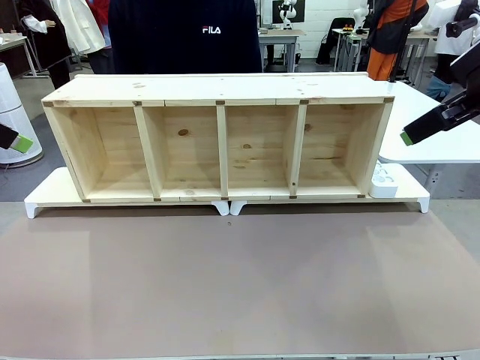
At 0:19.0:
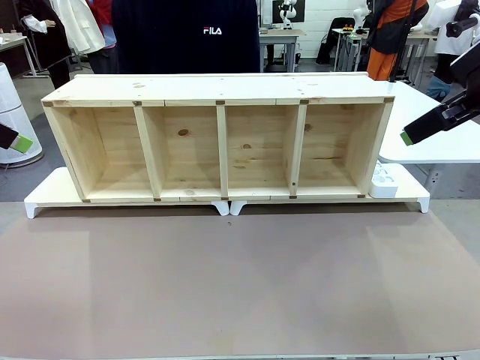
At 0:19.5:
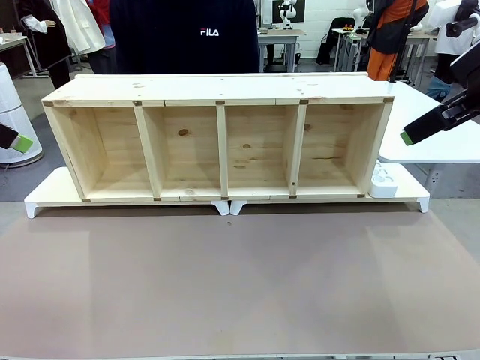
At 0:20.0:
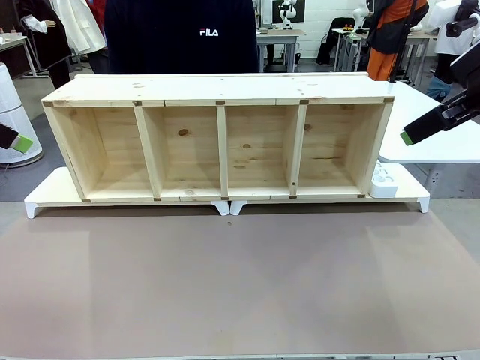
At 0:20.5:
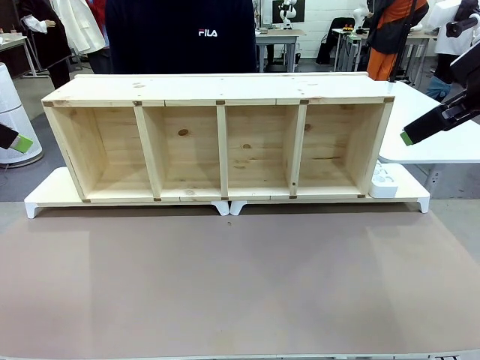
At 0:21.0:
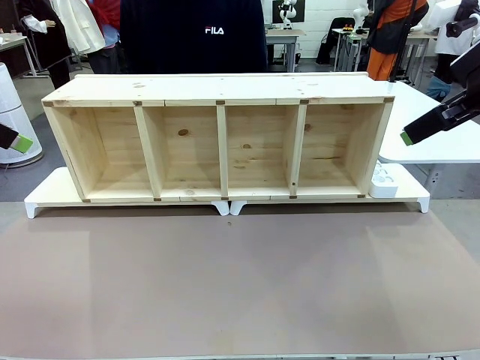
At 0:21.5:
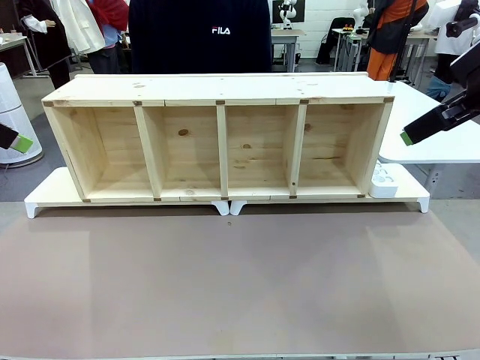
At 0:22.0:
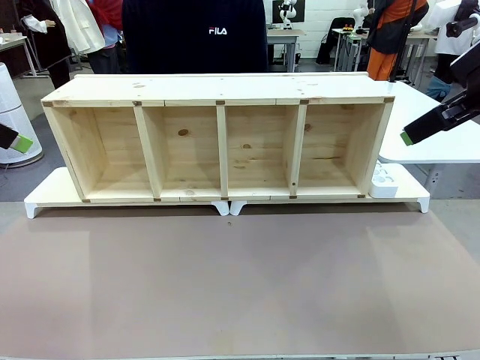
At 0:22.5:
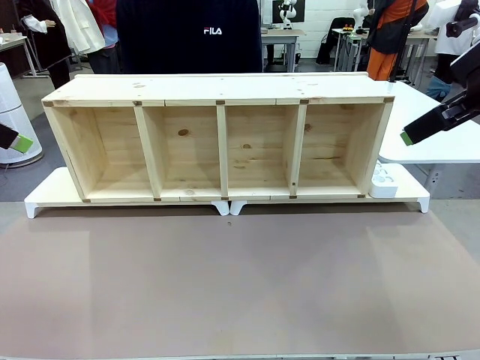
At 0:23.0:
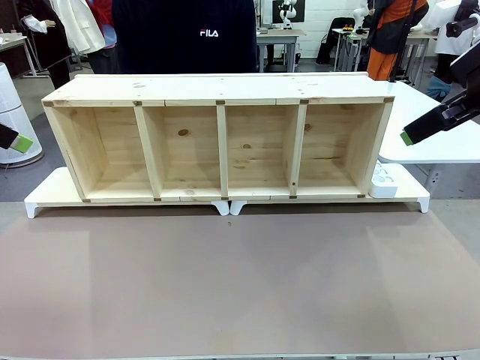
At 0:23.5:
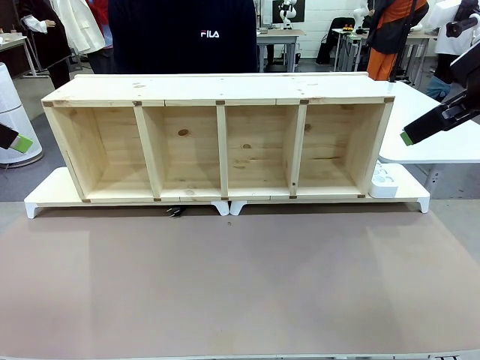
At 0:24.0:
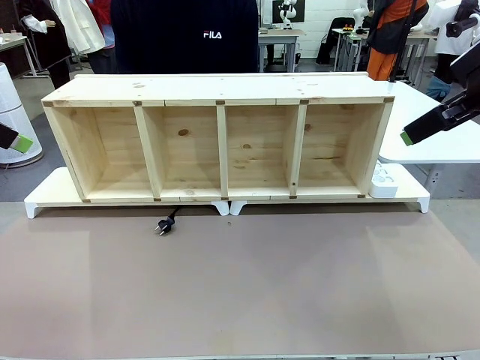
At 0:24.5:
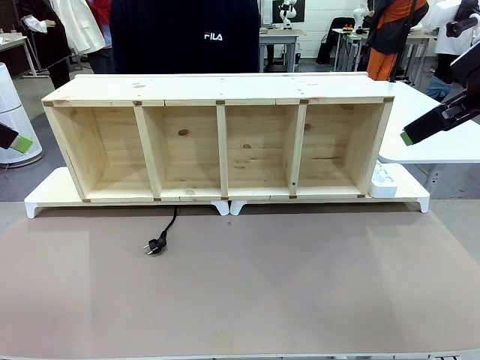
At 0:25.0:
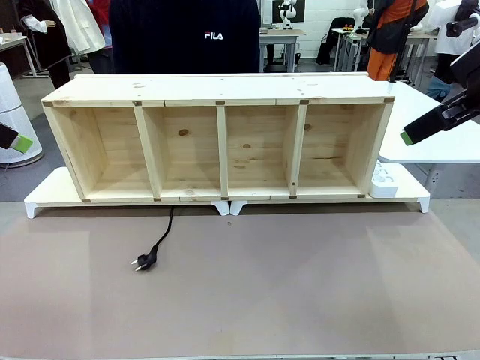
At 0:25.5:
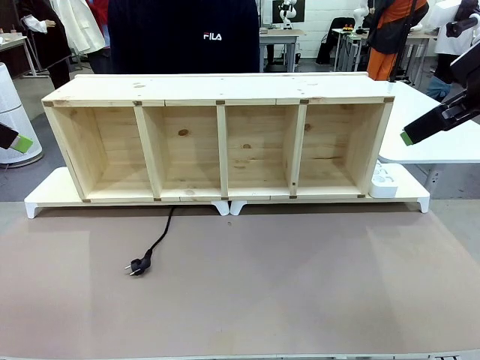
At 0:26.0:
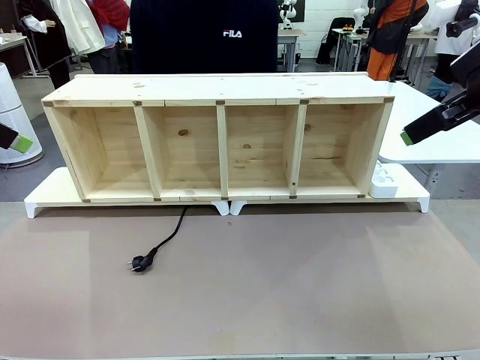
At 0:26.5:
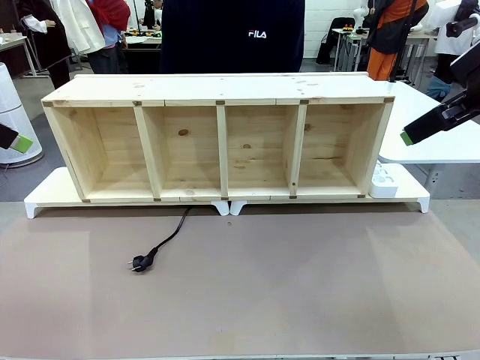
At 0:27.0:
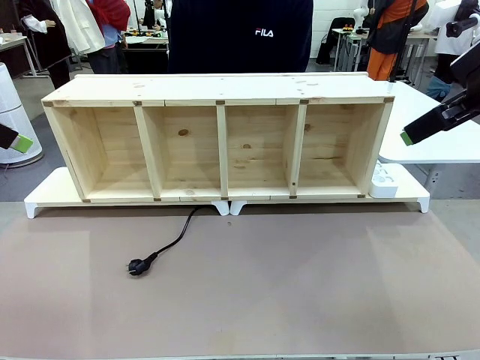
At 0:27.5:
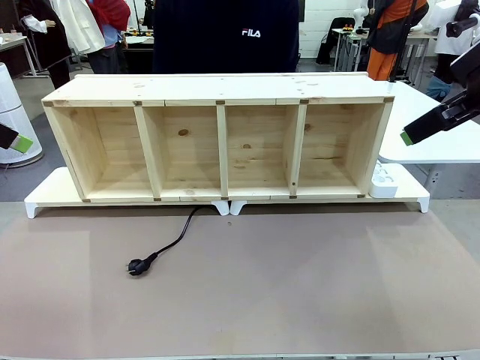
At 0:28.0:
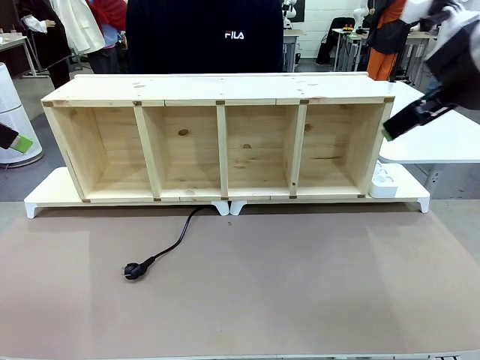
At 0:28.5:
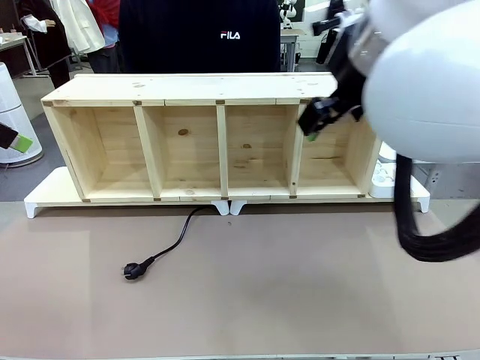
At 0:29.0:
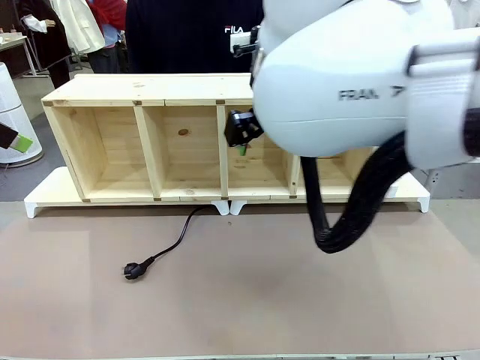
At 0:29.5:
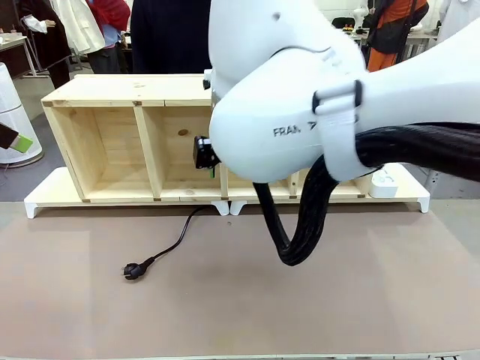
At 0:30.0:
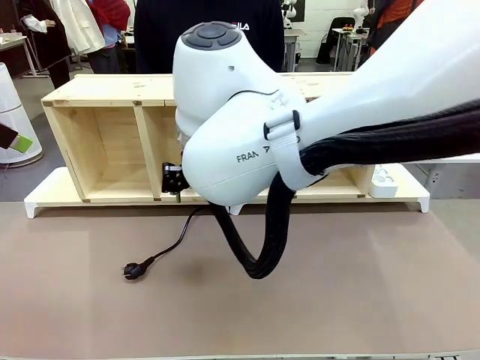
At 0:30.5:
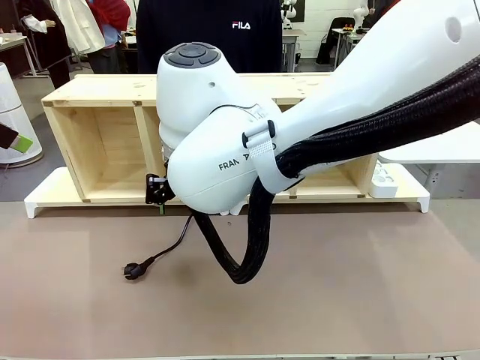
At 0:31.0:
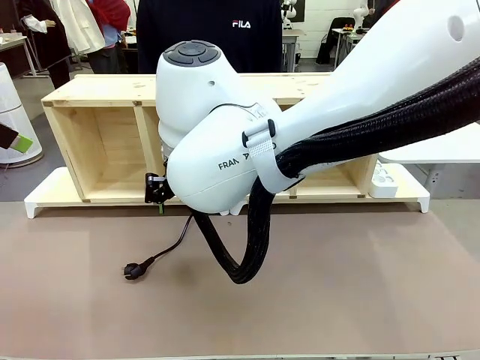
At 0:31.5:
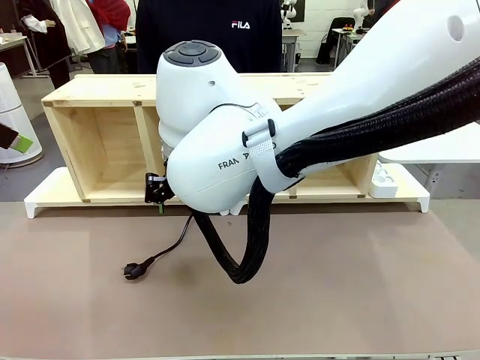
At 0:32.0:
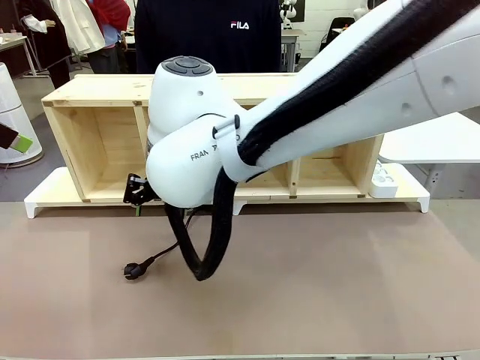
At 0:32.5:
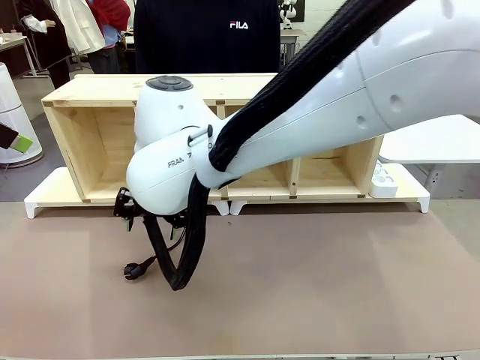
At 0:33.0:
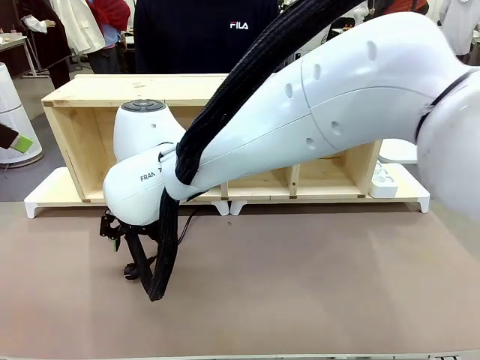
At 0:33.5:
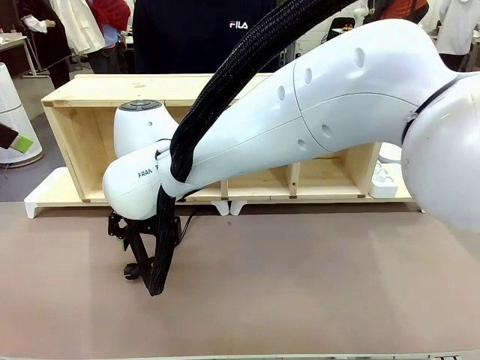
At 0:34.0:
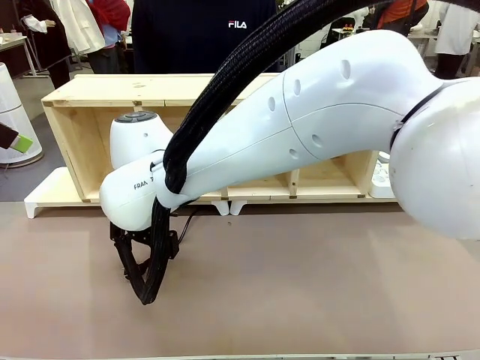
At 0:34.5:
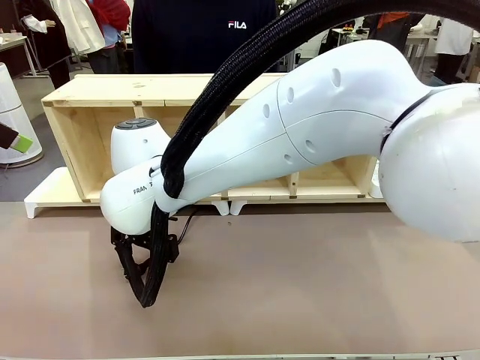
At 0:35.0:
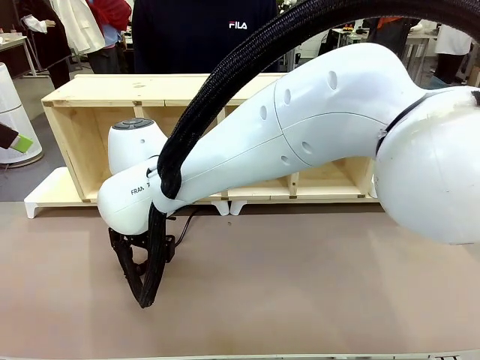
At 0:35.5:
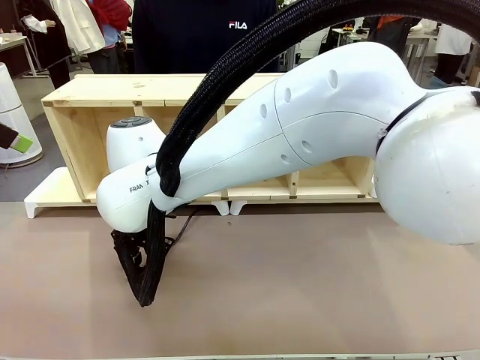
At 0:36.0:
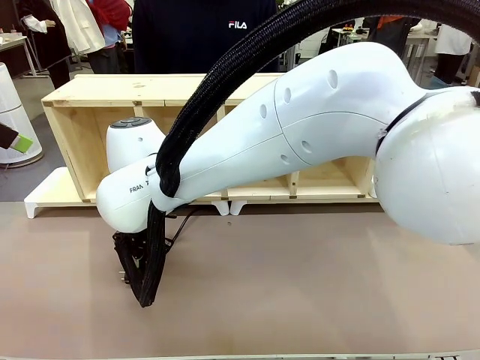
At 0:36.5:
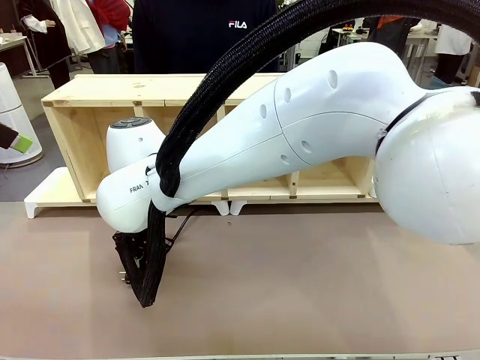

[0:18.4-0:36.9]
Task: Perform cable management.
Robot: When the cord part of the Power Cable appears at the lower middle area of the table and stops, grasp the cord part of the Power Cable.

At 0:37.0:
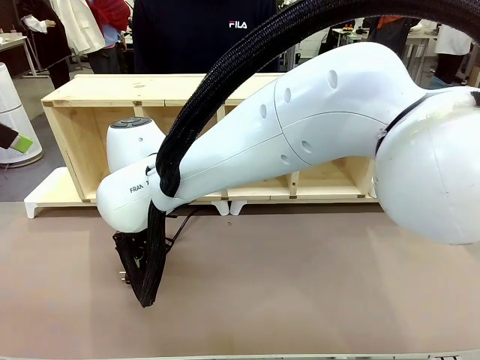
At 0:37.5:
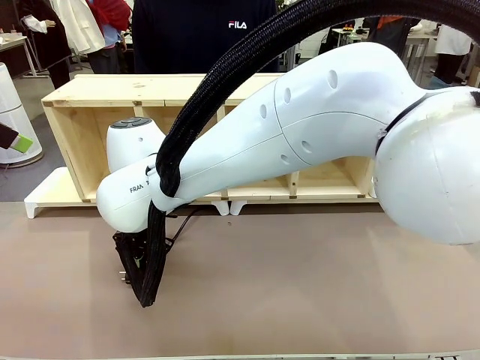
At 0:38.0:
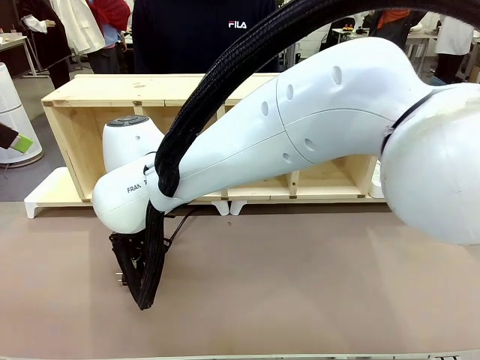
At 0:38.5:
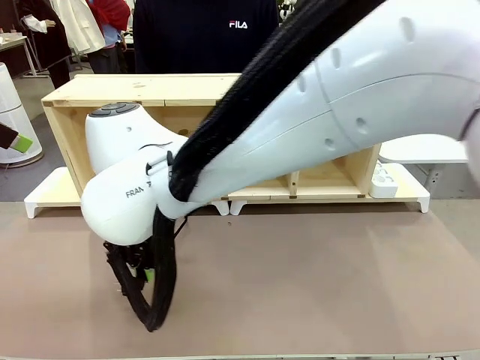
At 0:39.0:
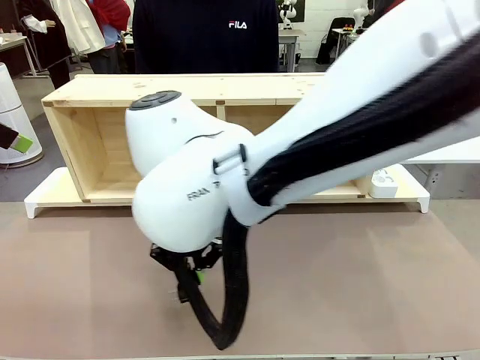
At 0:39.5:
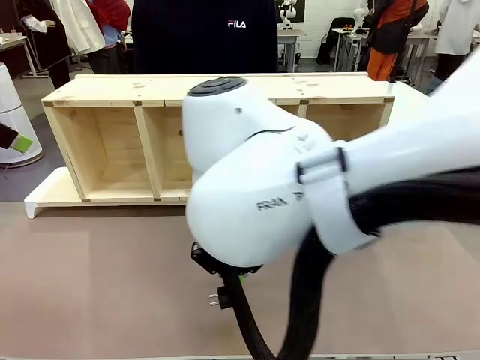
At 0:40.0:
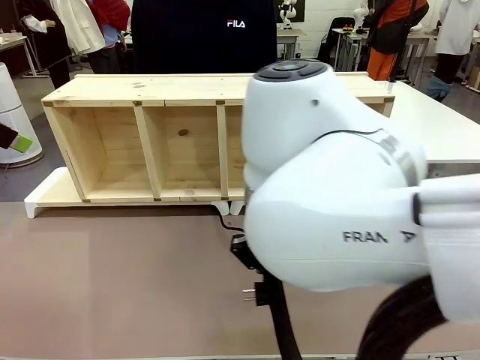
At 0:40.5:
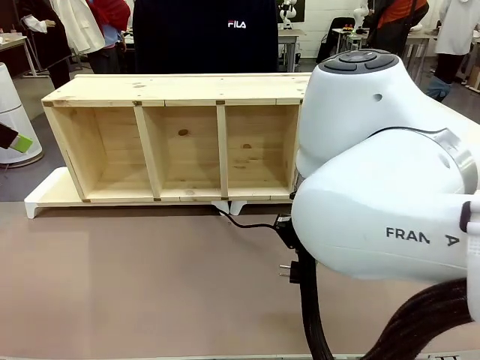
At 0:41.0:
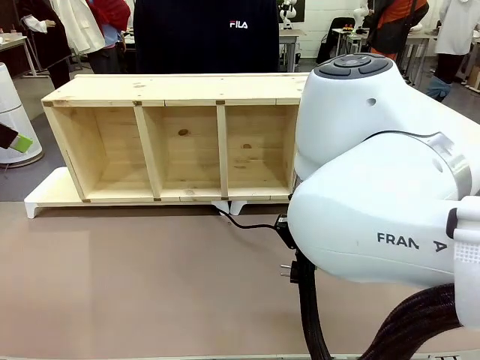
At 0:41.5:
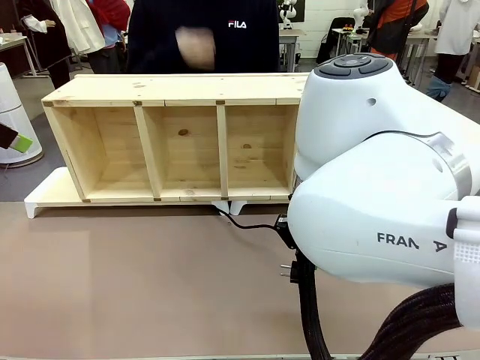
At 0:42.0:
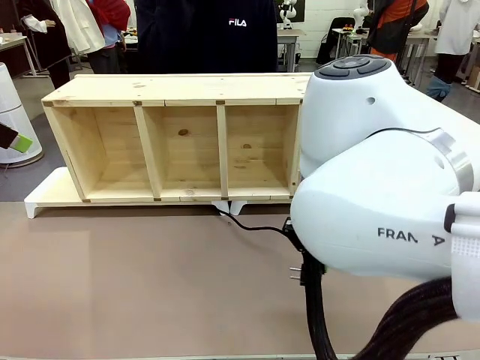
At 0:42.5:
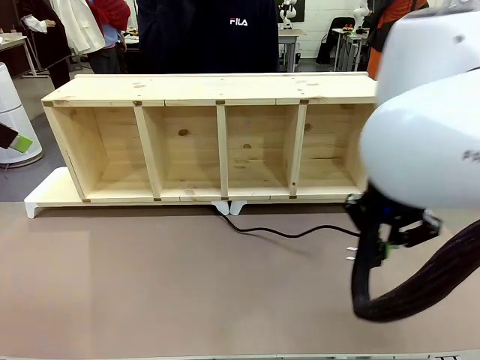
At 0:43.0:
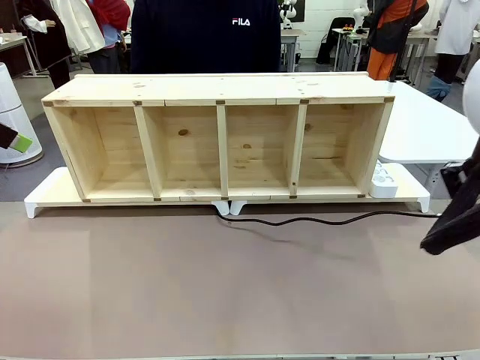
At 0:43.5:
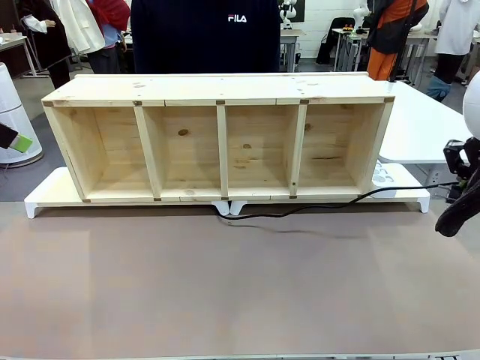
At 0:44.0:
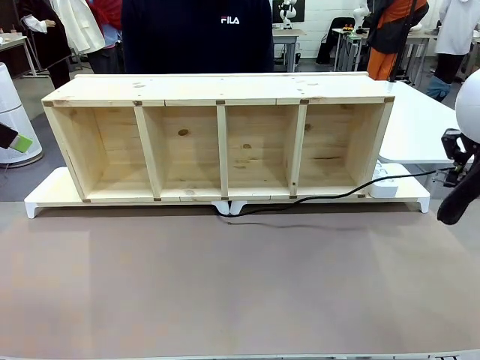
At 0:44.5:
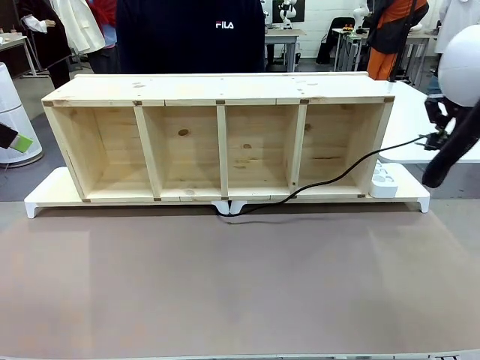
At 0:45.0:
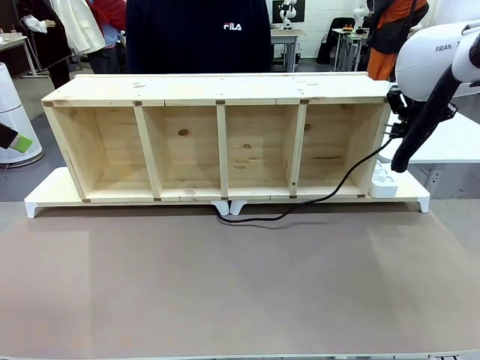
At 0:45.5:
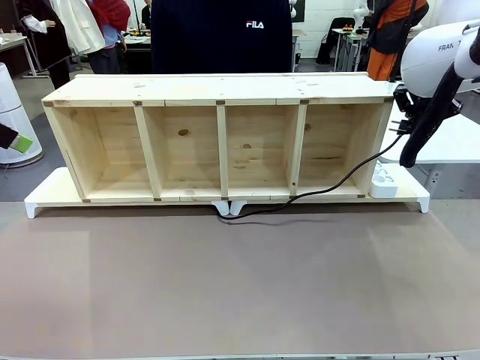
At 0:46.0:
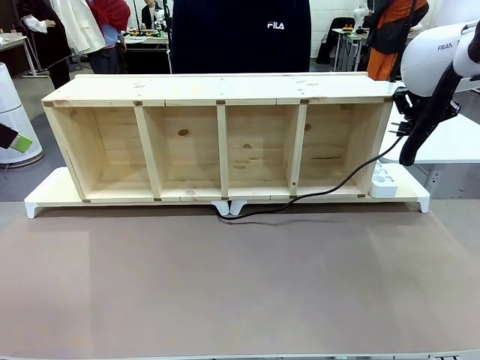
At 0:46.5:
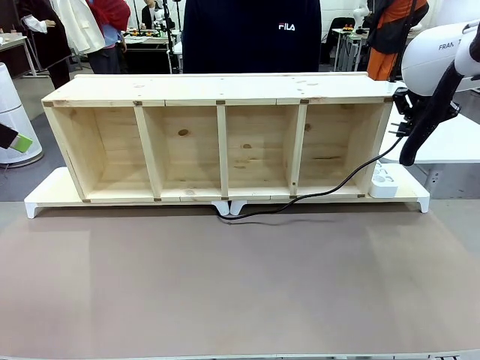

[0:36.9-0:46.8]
Robot: Pull the grasped Power Cable to the location of the Power Strip.
